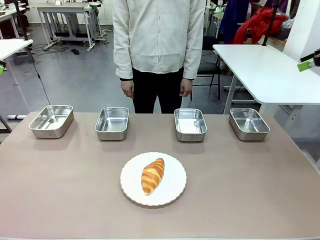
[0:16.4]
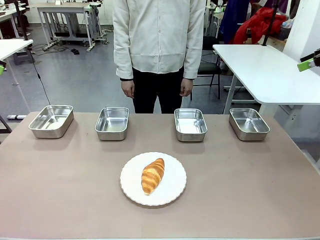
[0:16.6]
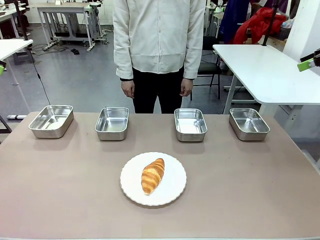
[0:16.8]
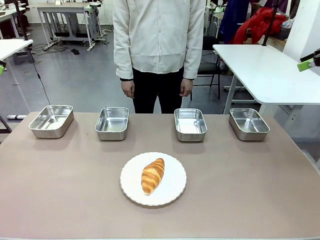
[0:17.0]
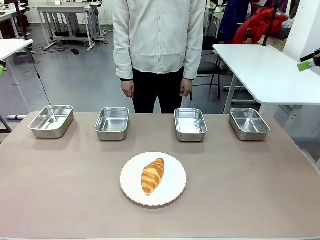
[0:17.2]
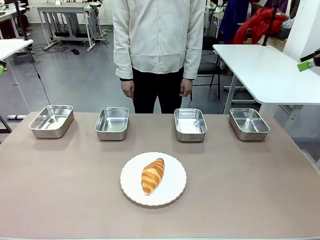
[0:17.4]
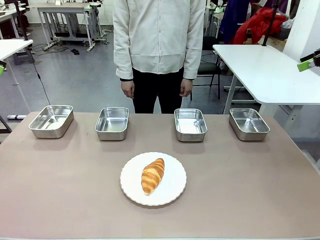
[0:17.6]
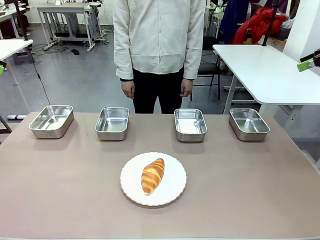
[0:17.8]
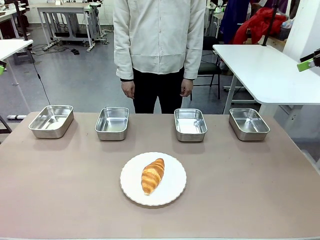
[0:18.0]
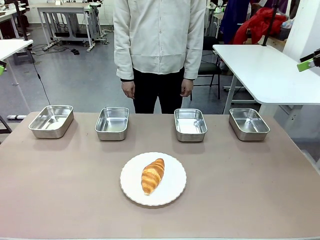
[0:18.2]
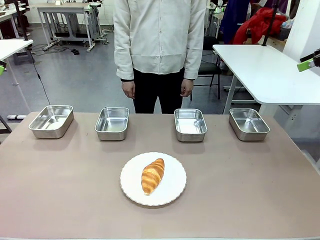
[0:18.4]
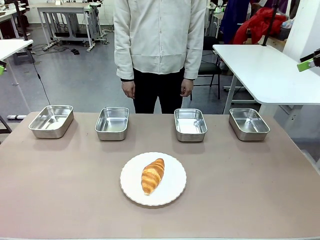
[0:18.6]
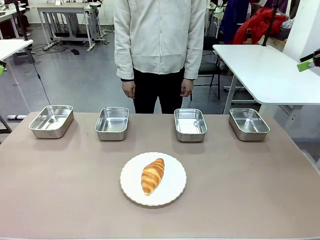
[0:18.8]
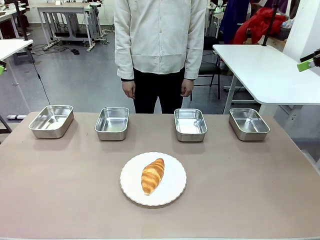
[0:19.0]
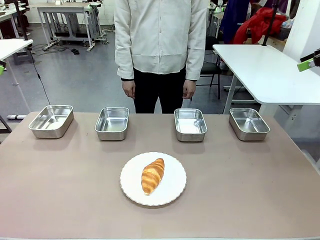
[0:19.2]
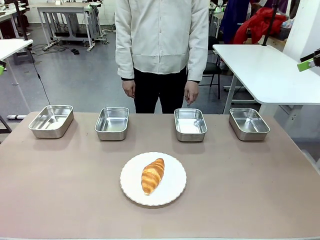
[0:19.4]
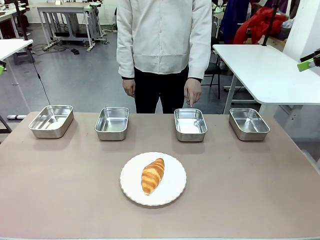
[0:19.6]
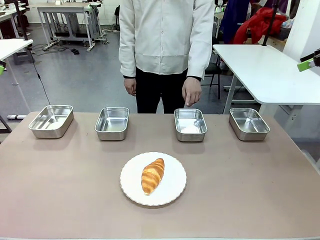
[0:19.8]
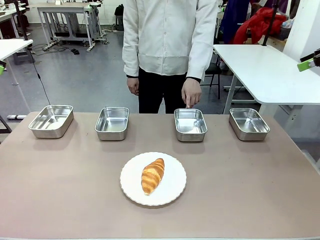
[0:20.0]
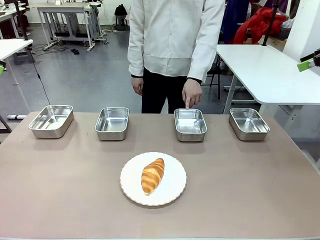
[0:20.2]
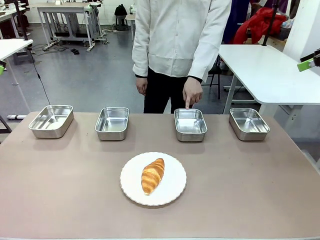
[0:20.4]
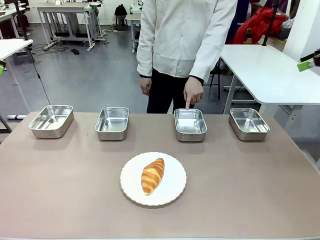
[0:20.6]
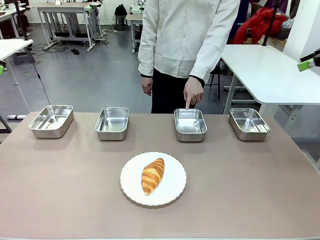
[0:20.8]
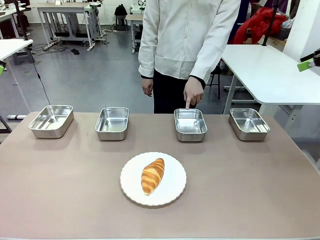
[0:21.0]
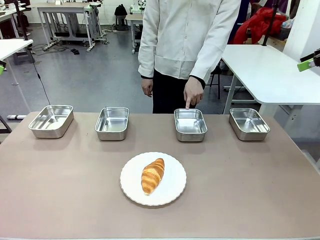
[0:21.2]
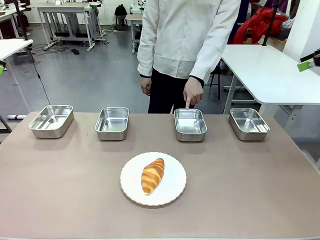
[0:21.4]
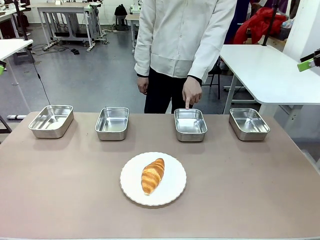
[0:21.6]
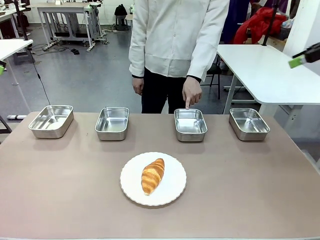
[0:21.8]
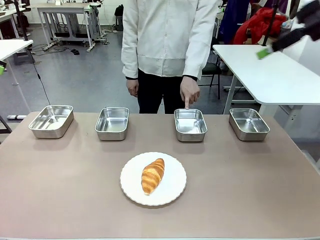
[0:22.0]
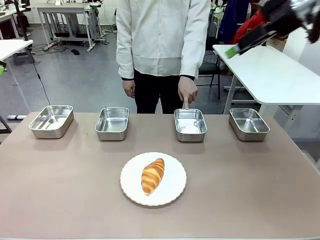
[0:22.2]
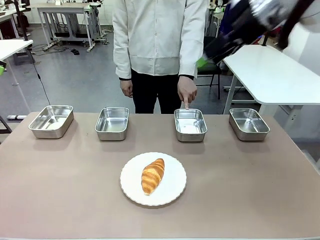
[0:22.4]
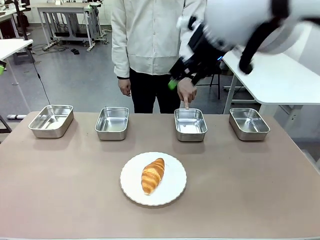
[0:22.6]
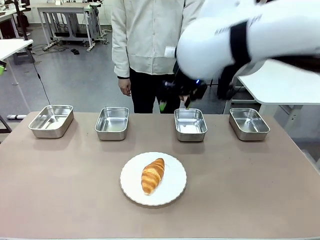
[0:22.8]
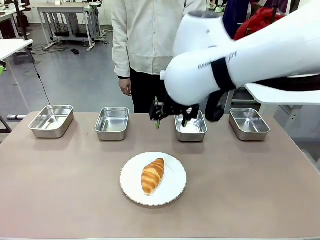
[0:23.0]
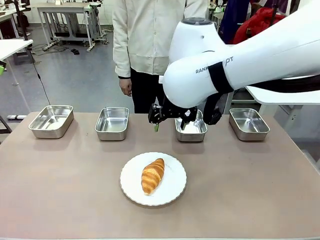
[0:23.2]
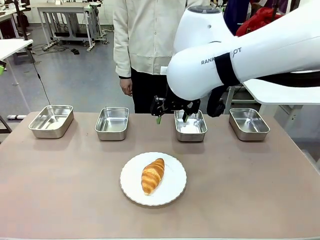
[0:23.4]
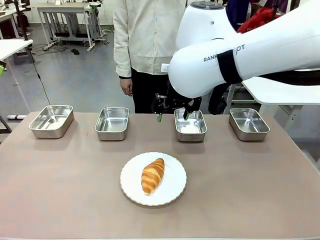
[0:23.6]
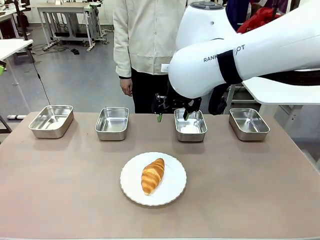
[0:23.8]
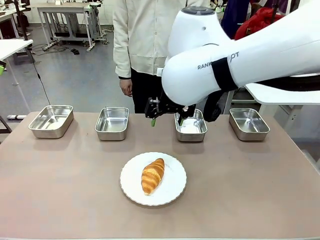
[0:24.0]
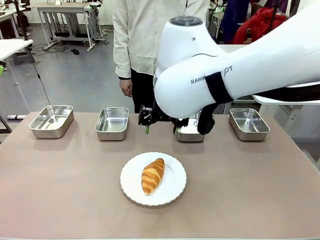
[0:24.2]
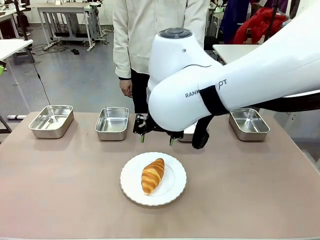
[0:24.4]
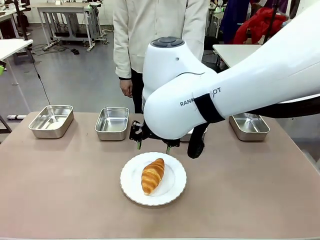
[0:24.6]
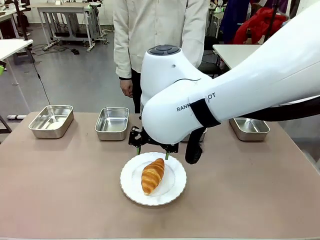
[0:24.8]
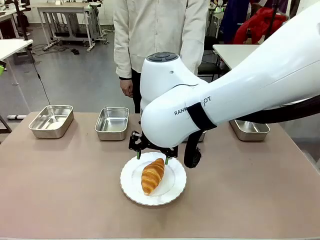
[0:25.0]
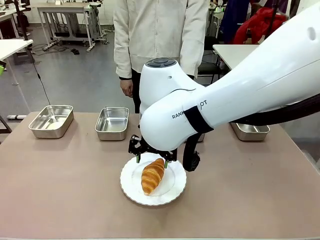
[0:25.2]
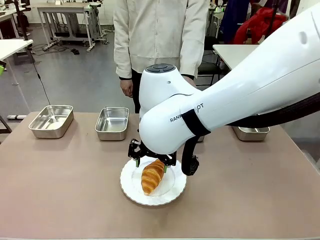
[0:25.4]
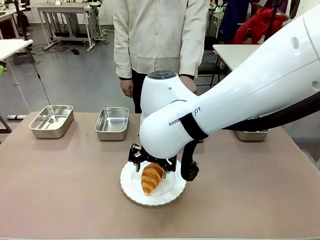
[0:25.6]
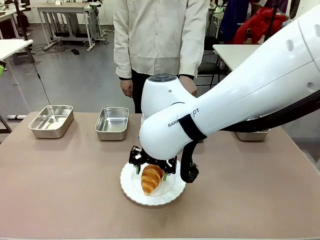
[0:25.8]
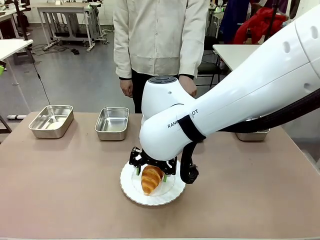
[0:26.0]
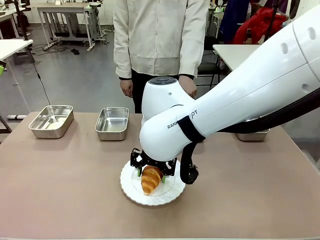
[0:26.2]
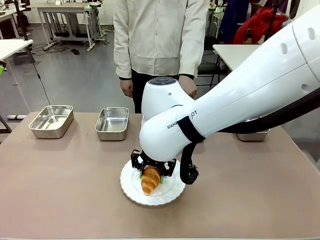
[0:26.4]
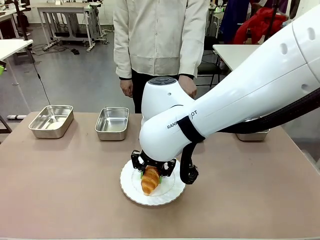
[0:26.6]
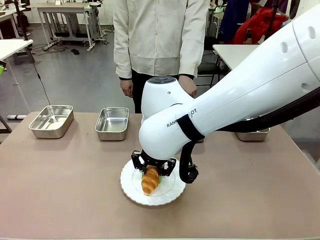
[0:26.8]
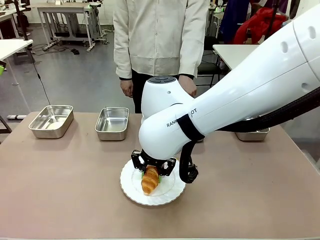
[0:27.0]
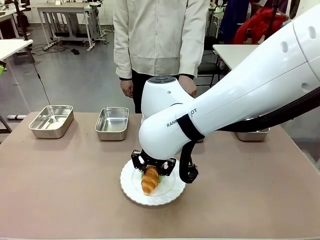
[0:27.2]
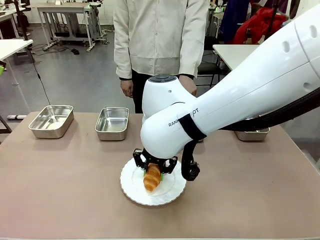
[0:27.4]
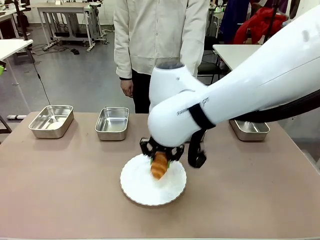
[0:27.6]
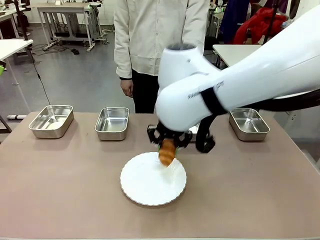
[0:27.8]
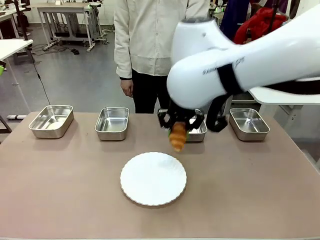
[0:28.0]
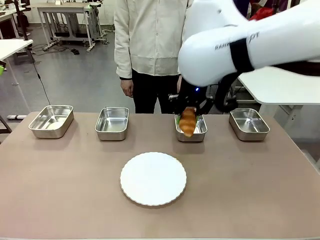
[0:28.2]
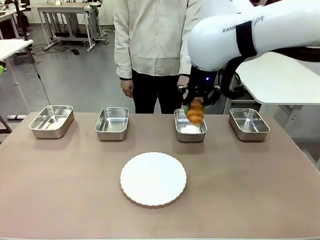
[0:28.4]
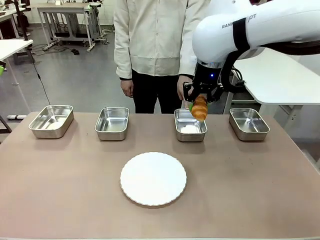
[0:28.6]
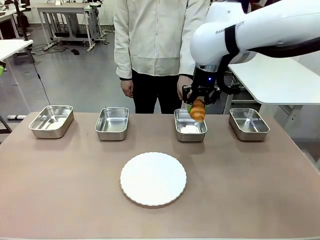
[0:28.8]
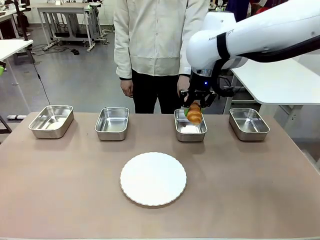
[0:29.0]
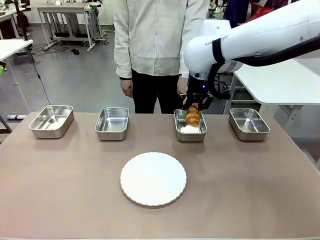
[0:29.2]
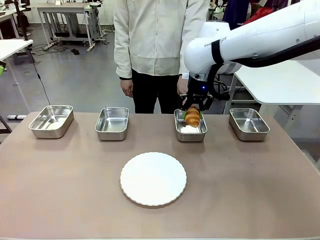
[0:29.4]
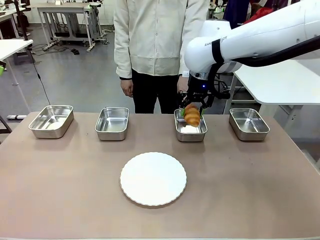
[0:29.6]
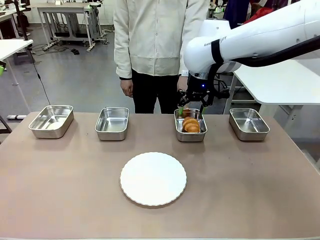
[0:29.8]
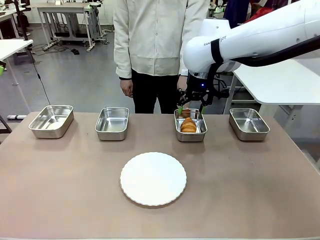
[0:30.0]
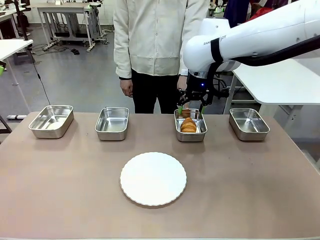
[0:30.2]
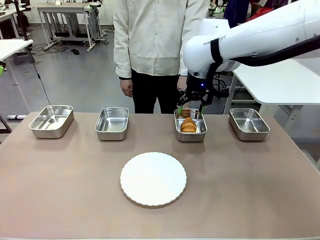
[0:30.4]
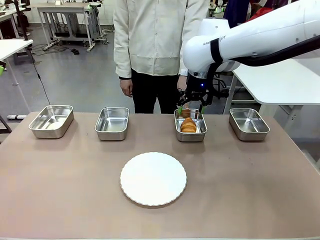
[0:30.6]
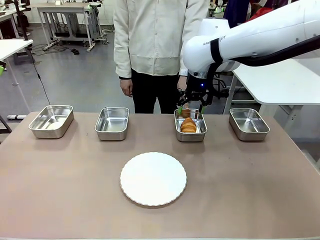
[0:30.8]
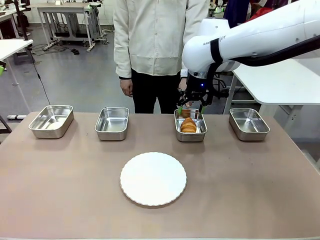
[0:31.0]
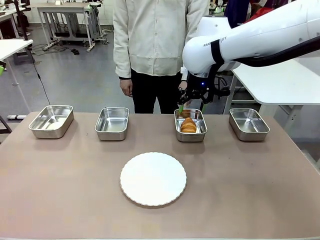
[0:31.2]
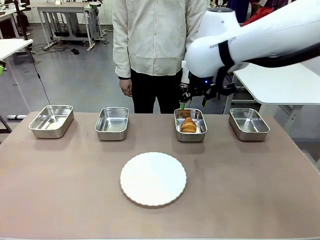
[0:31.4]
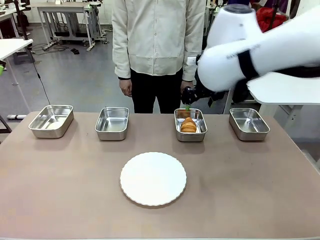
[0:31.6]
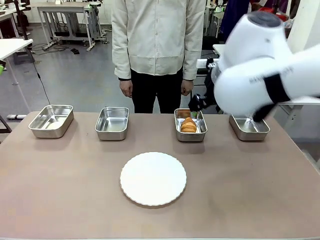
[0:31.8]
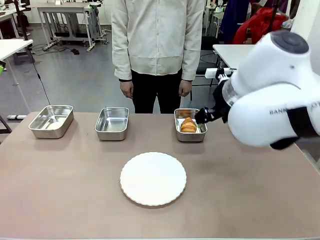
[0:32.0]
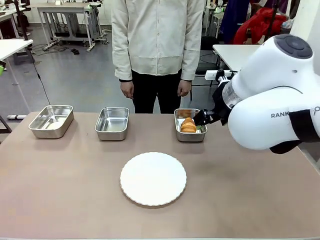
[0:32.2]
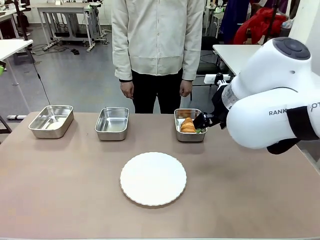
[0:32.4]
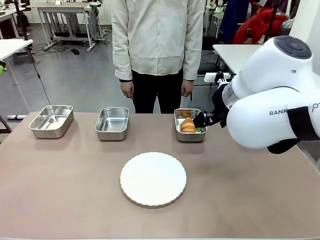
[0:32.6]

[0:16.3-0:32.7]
Task: Place the bread in the container.
Robot: Place the Butter Roll into the Airtight Container indicated by the human.
Person: A person randomly selects and points to an Airtight Container.
